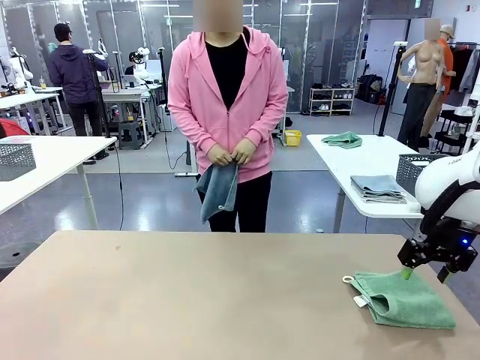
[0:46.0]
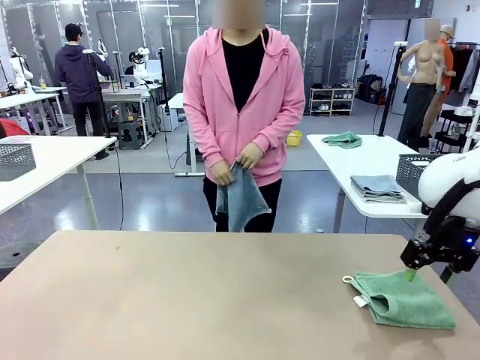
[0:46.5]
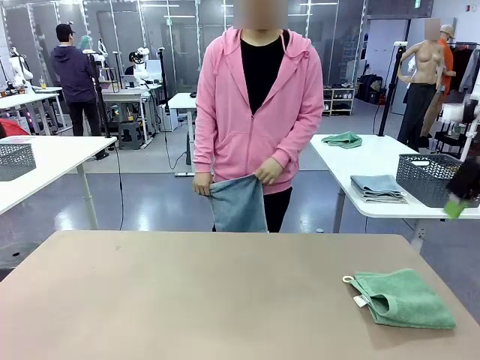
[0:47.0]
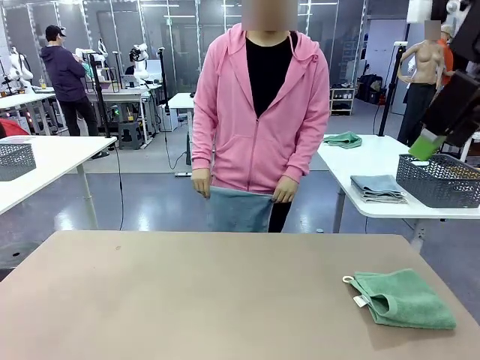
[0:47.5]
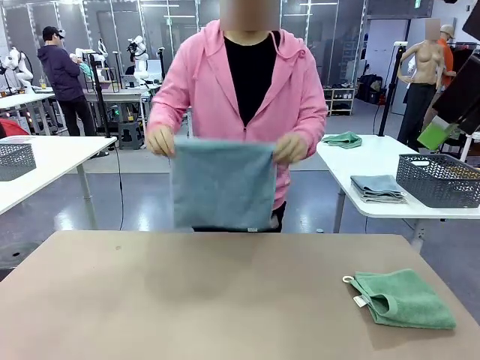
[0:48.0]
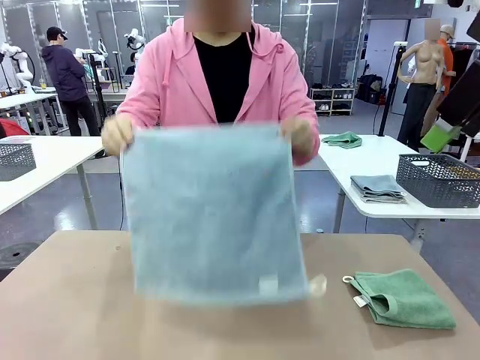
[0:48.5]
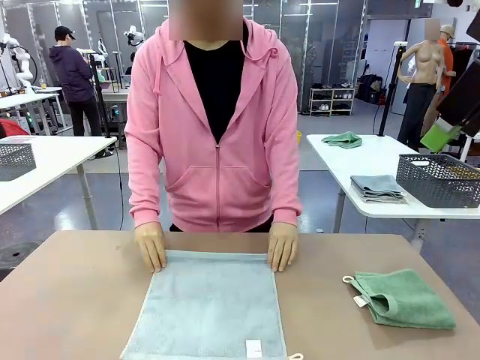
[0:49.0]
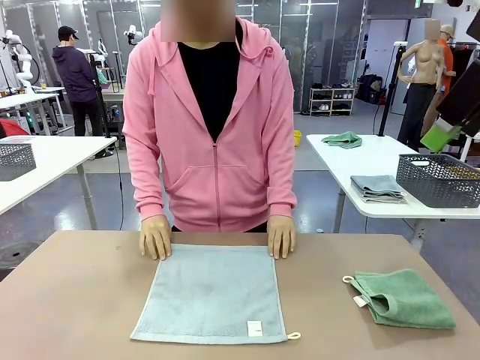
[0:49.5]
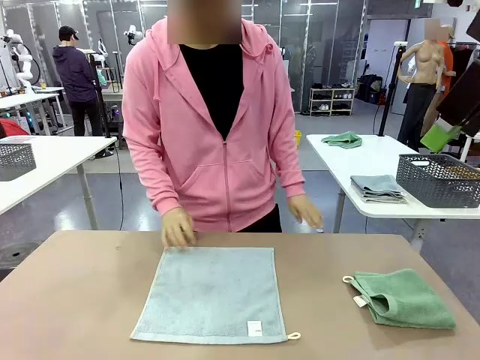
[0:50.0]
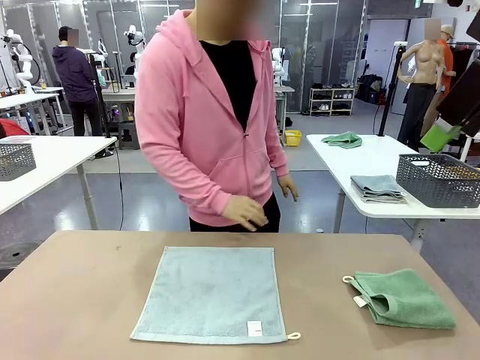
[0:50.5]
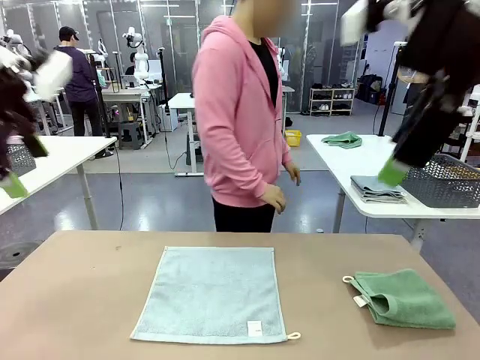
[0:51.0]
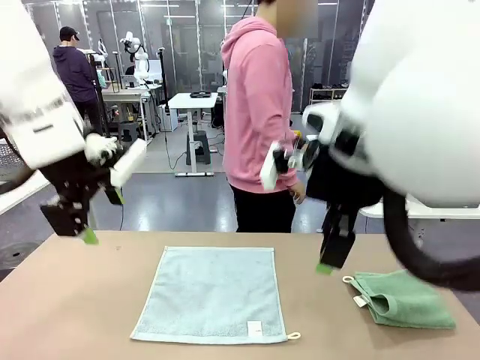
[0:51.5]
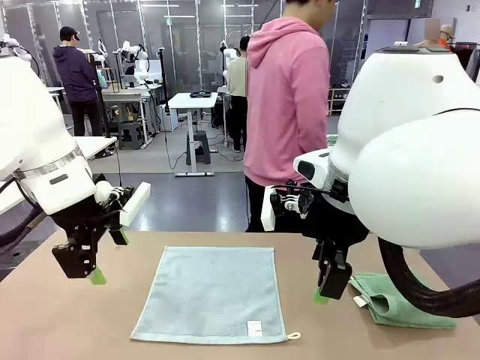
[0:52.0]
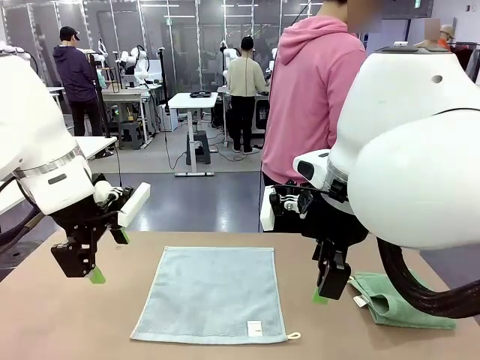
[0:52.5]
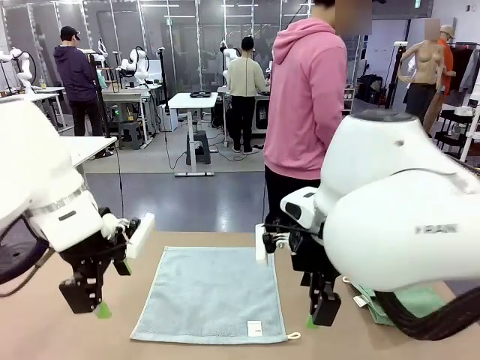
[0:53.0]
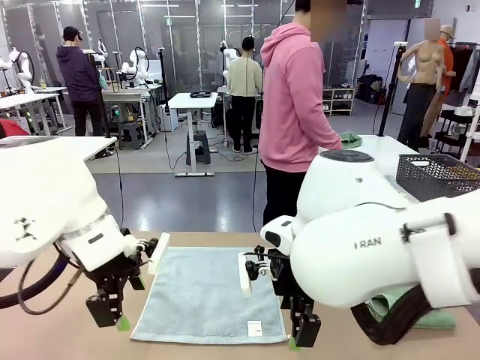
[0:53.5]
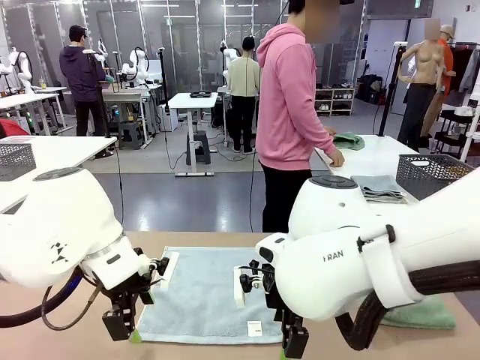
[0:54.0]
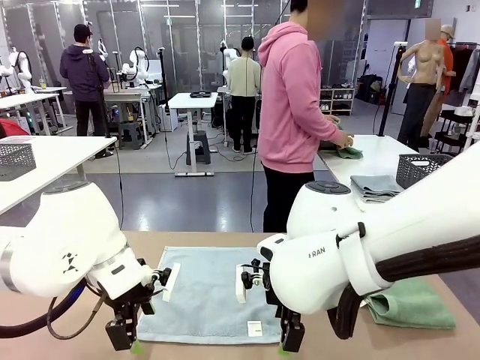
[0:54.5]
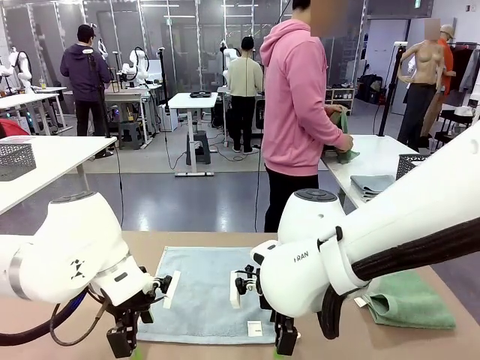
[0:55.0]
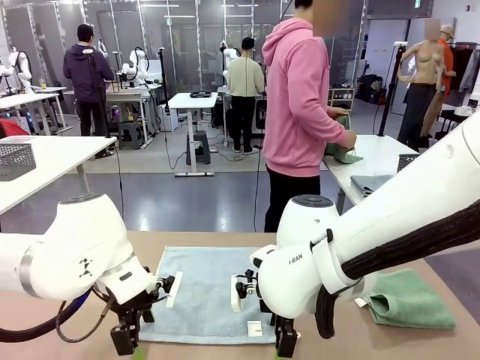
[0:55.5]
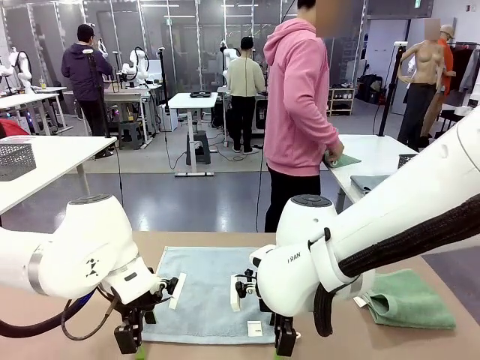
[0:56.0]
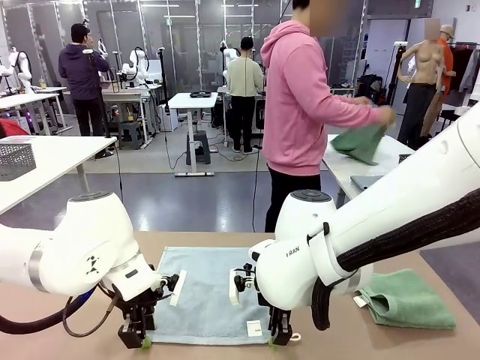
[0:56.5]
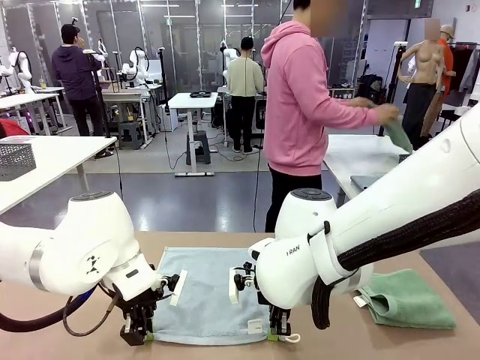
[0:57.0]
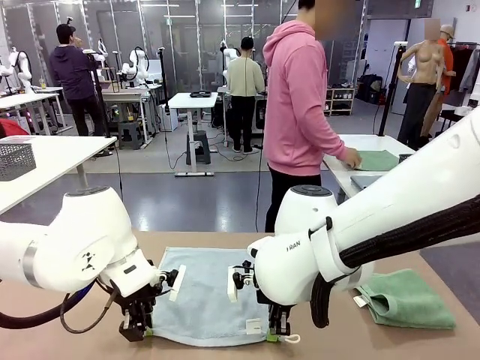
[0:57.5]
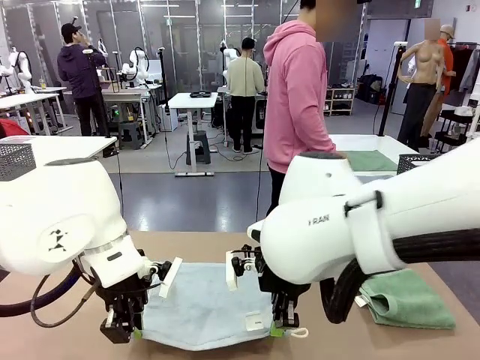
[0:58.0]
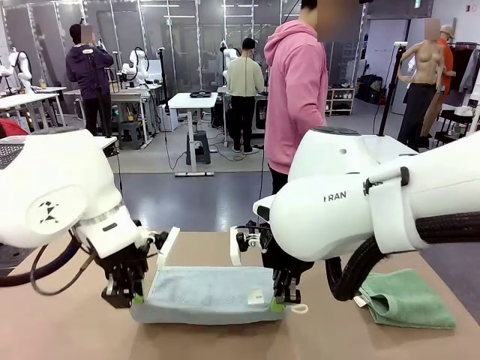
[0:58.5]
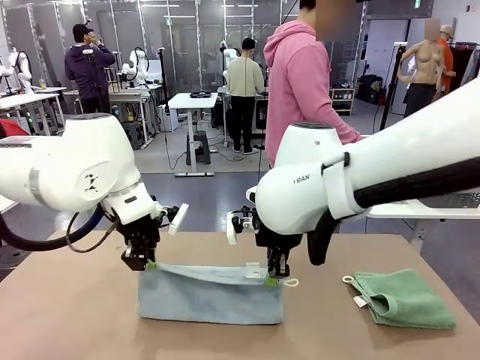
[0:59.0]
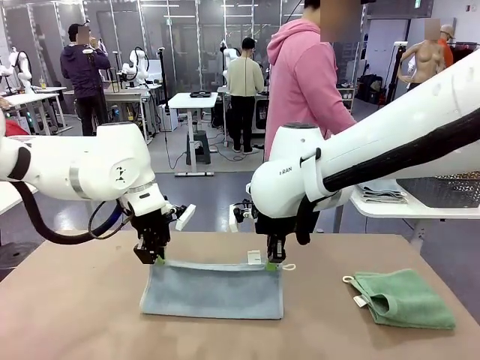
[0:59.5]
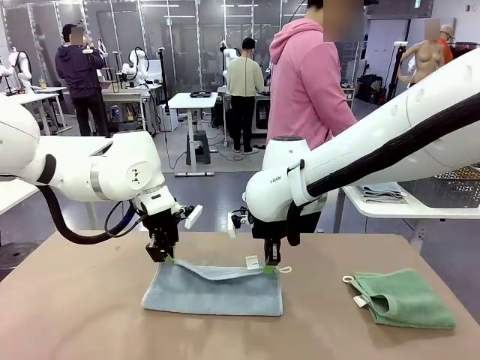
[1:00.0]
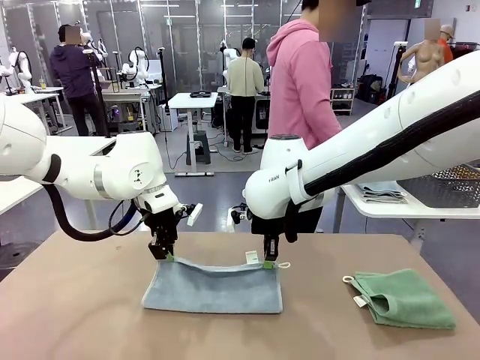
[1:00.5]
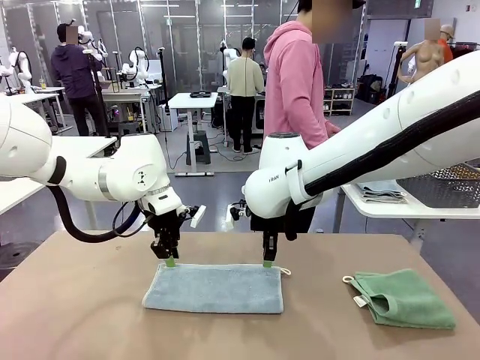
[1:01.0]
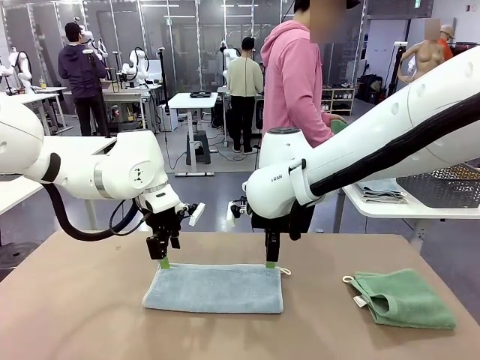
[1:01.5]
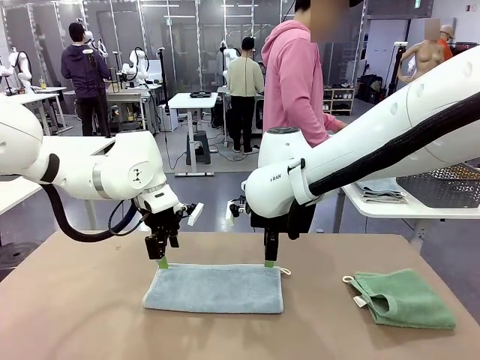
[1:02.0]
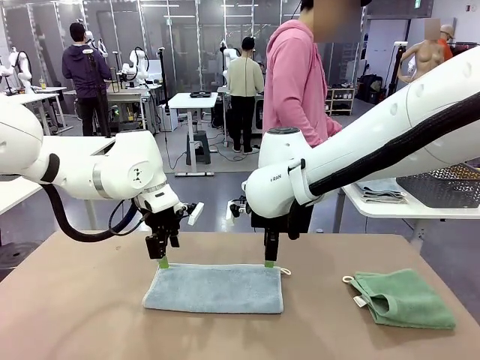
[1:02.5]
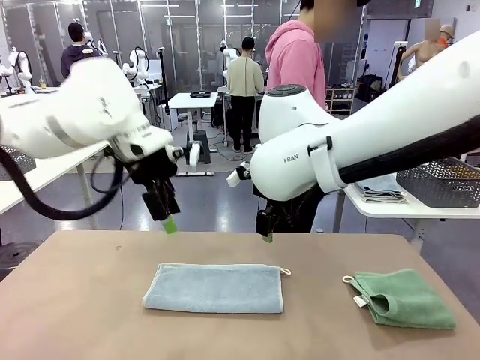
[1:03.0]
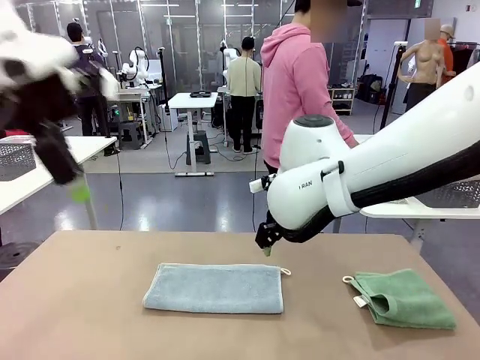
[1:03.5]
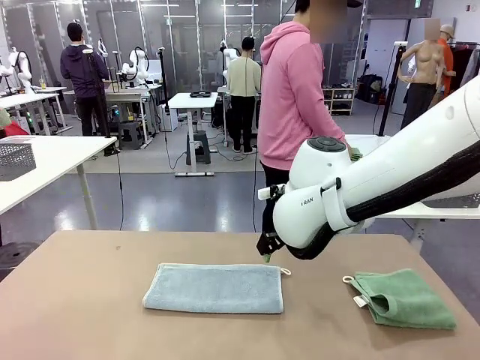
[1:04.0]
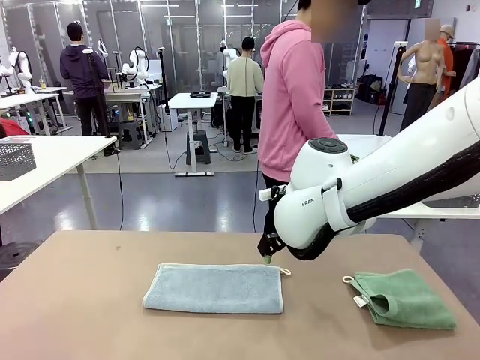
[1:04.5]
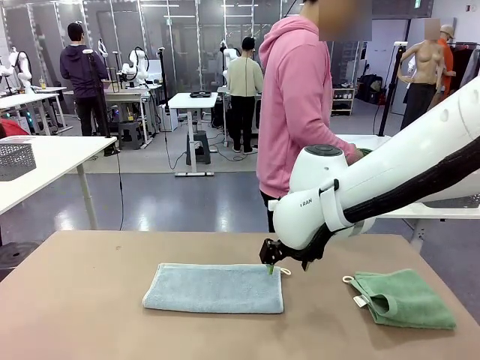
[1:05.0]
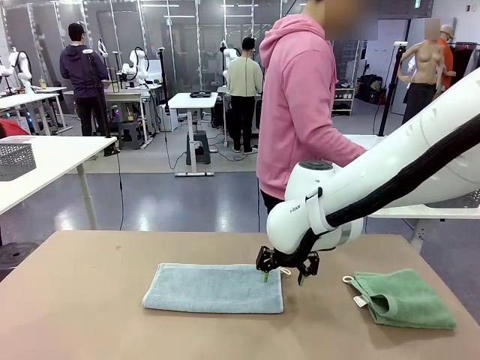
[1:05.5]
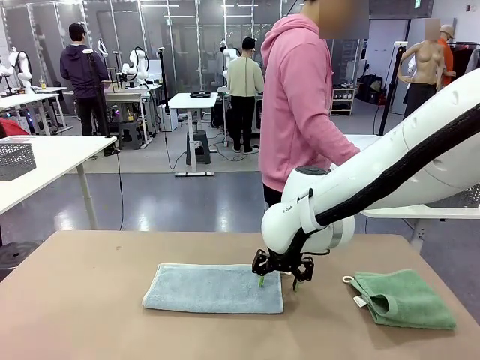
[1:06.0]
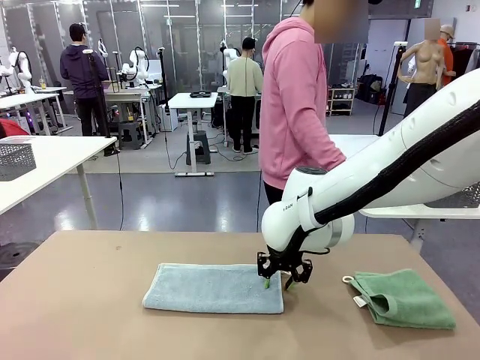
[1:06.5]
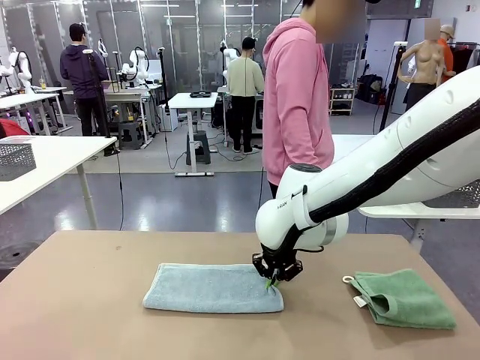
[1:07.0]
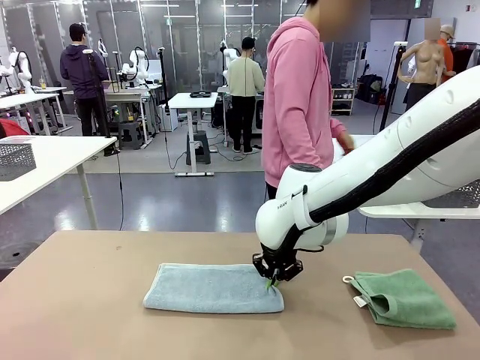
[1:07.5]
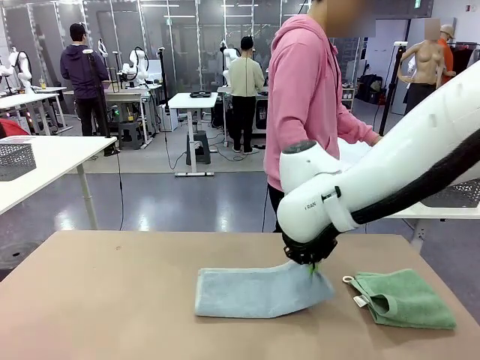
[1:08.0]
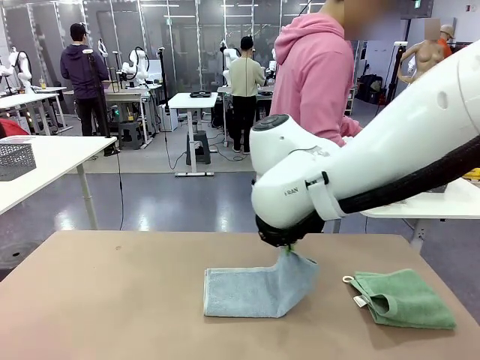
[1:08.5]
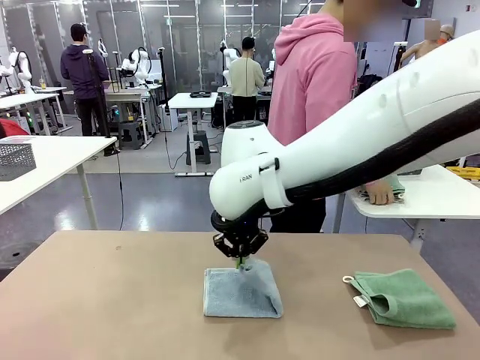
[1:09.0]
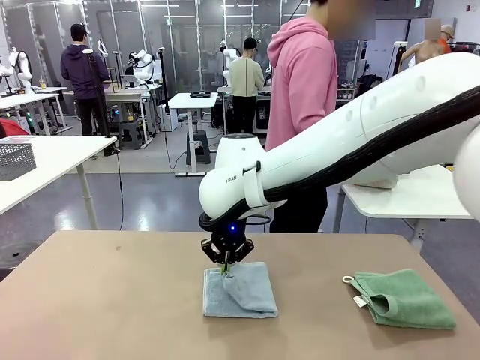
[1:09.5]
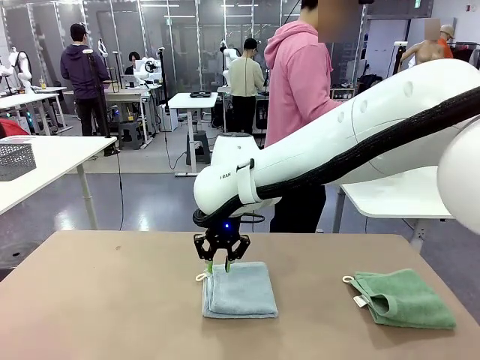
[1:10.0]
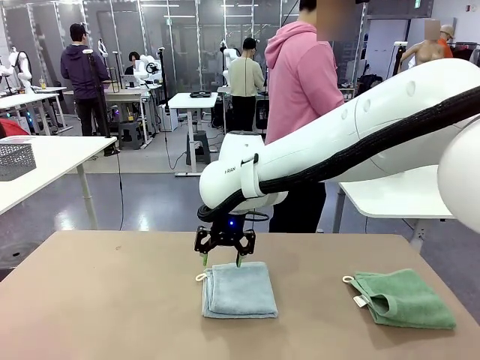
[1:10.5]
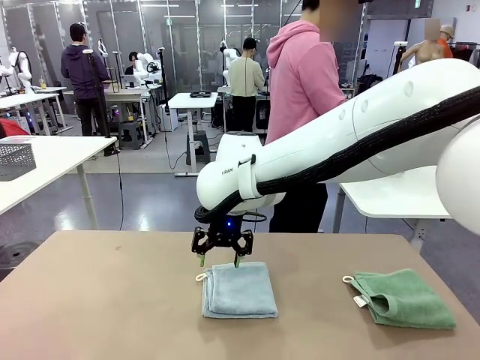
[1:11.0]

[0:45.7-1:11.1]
Task: Fold the towels and place them in the basket.
Robot: When a person lays out a Towel with hook on the table, fold it in half twice.
Person: Pick up one towel from the left side of the human table, fold it in half twice, and stack it on the right side of the table. Pick up the stack of towels from the right side of the human table, place it into the basket, and put the basket at the center of the table.
